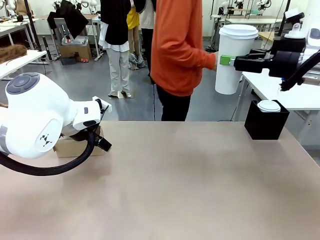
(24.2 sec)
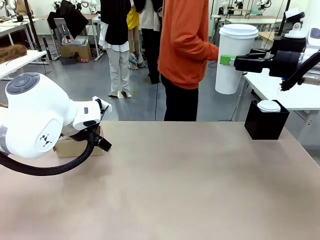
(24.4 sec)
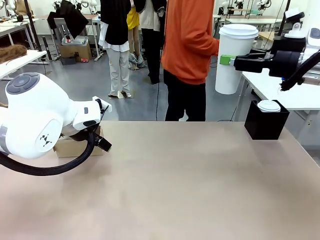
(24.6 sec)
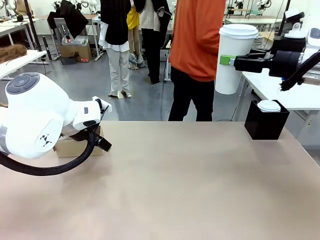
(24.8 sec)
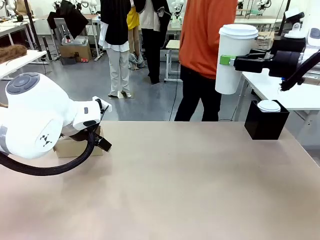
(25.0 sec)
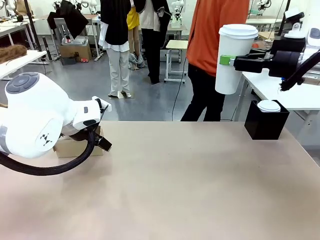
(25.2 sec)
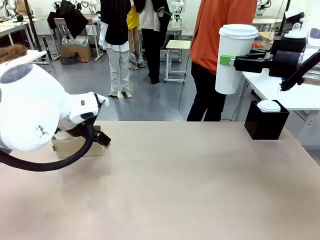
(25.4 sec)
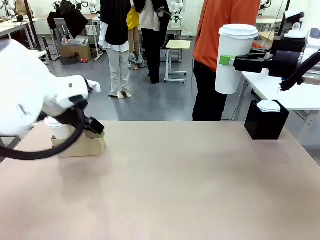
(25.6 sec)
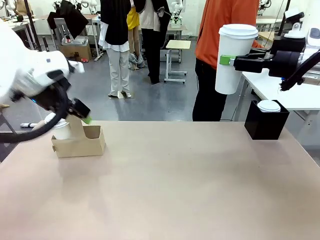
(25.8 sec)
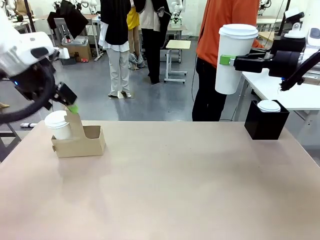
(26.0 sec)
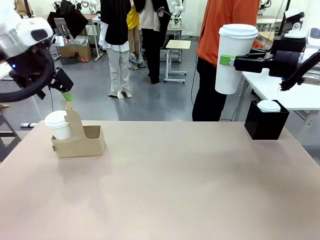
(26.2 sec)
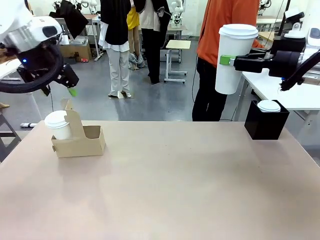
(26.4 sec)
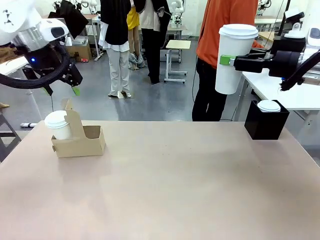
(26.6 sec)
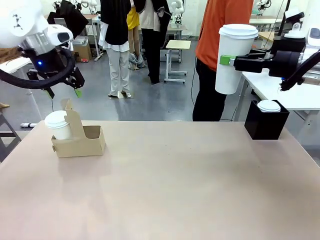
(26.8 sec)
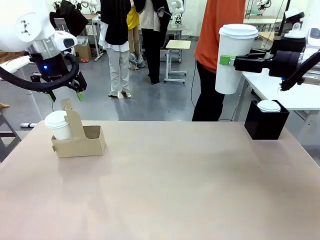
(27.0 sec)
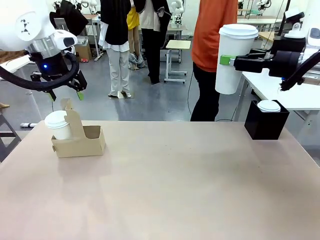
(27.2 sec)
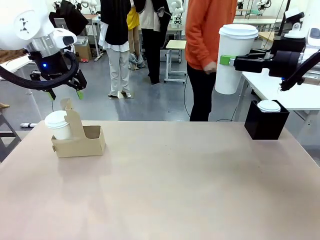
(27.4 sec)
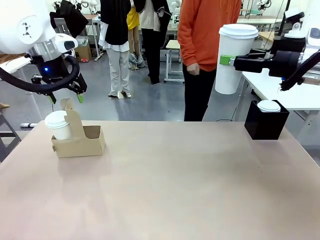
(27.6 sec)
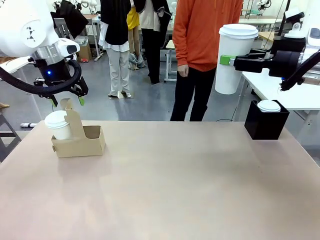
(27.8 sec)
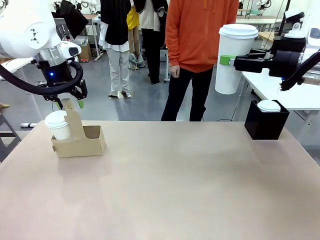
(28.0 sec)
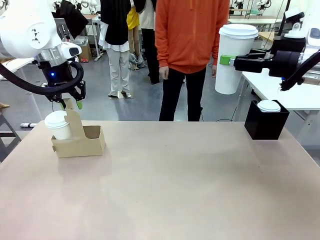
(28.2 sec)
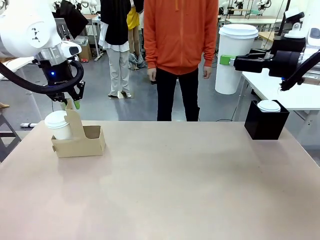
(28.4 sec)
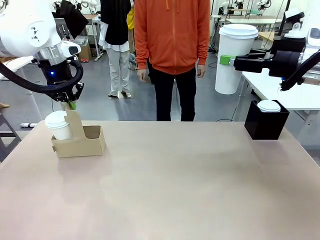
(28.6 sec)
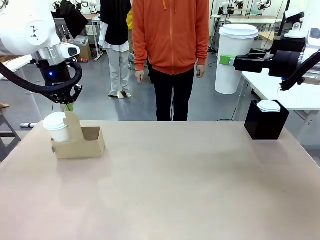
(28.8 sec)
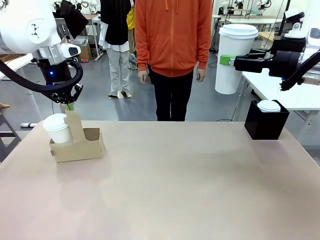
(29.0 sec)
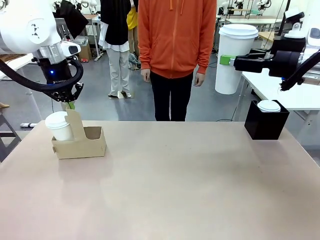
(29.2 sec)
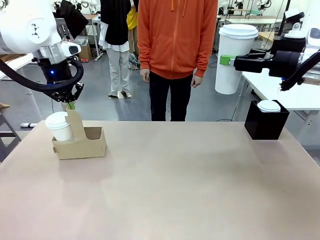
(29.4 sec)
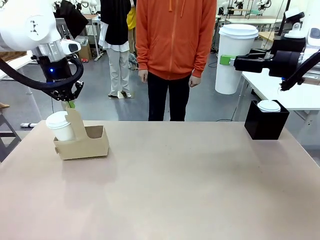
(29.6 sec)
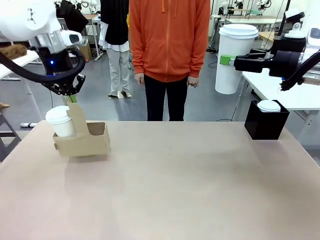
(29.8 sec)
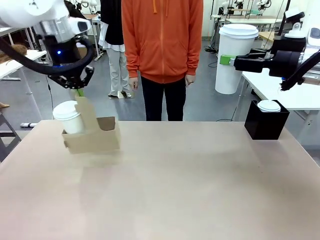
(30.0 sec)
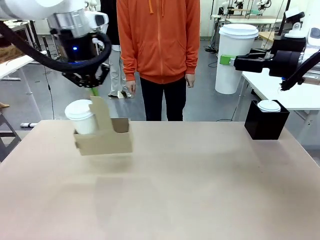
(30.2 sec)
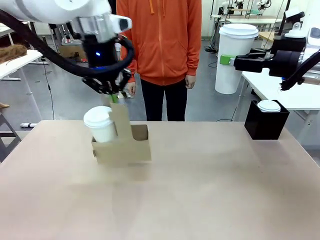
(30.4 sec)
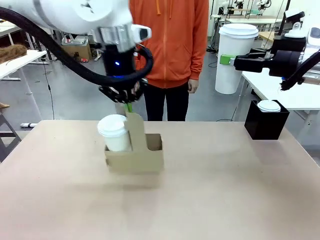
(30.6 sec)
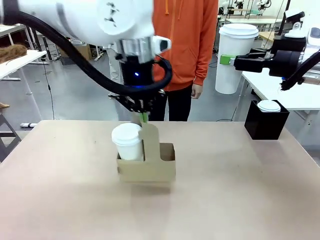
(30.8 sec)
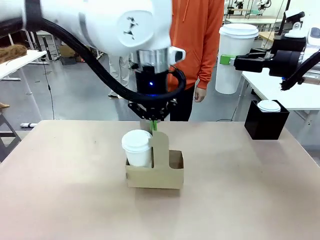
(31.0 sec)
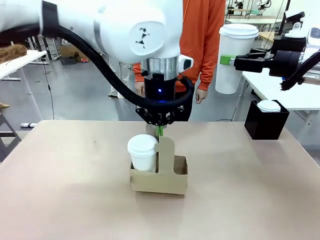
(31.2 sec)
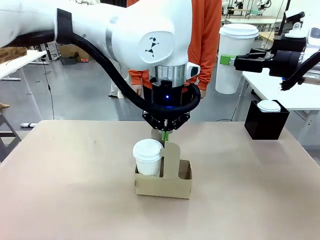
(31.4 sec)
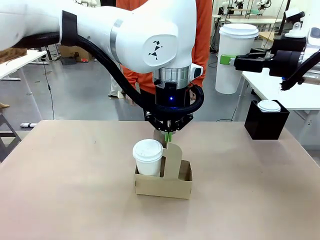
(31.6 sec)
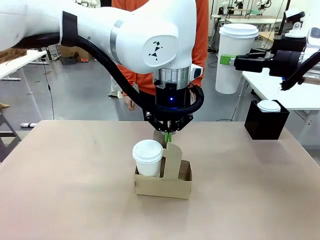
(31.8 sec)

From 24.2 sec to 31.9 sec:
Task: Pour a drink into a cup and package it in a carrier.
Robot: Position the Cup Carrier in the center of the table.
Person: Pick up the Filter Brewing and place on the middle of Human table, and return to the Robot table.

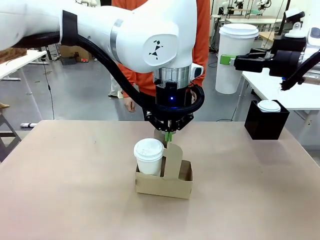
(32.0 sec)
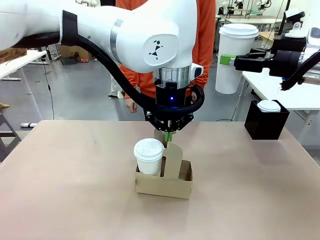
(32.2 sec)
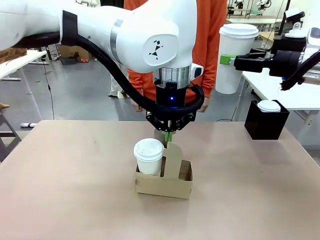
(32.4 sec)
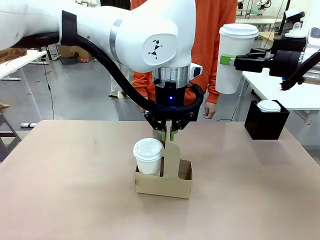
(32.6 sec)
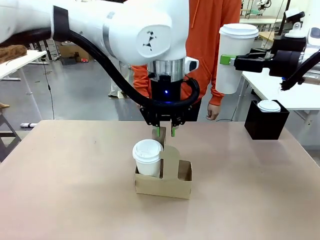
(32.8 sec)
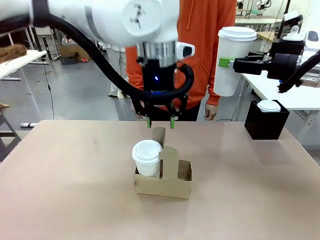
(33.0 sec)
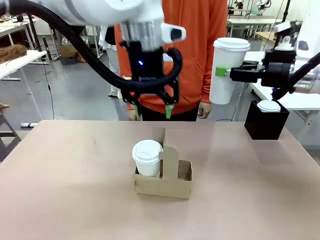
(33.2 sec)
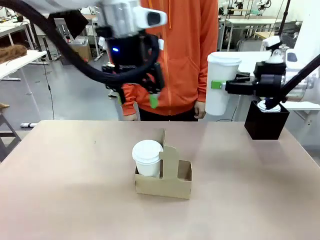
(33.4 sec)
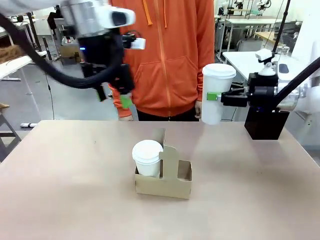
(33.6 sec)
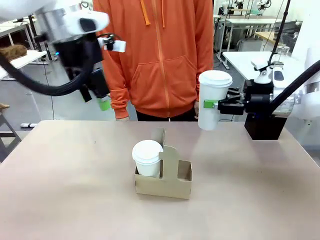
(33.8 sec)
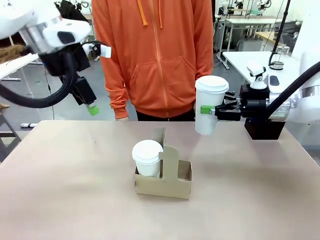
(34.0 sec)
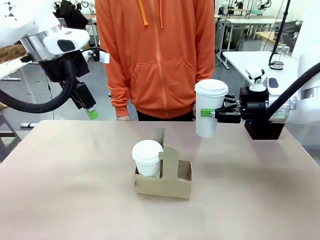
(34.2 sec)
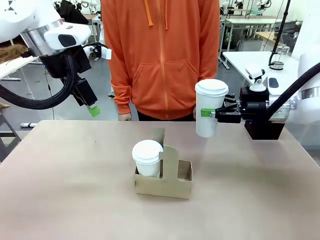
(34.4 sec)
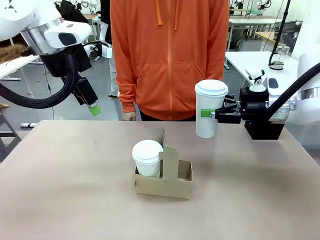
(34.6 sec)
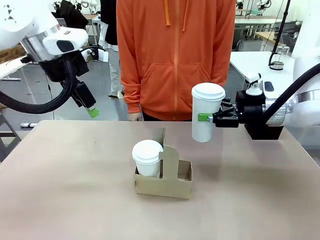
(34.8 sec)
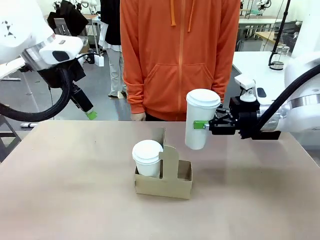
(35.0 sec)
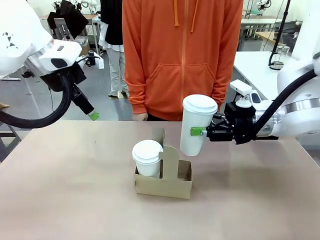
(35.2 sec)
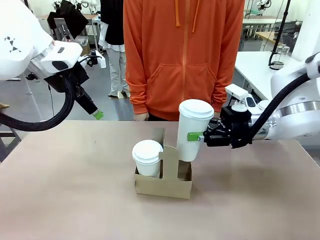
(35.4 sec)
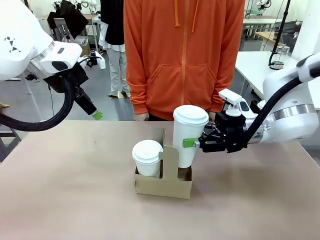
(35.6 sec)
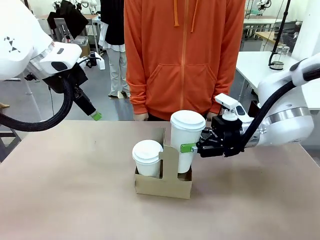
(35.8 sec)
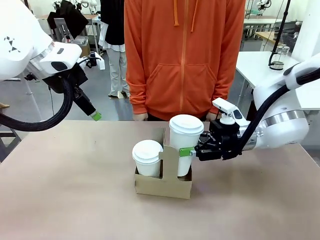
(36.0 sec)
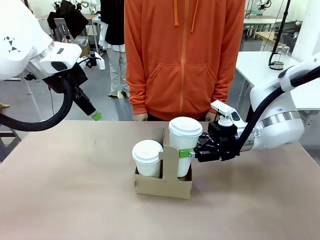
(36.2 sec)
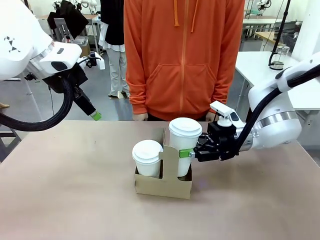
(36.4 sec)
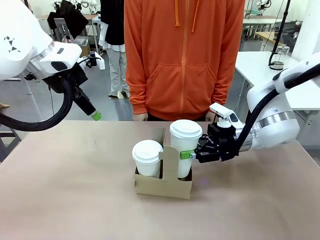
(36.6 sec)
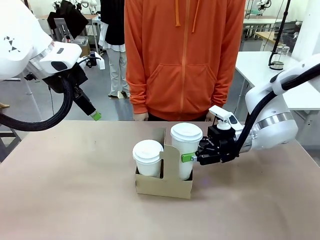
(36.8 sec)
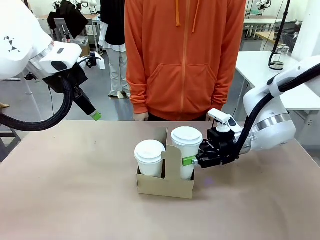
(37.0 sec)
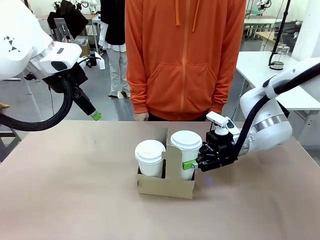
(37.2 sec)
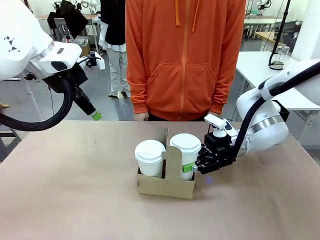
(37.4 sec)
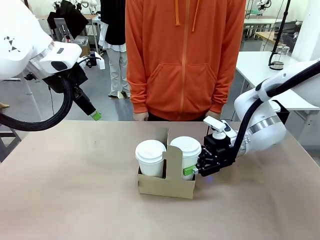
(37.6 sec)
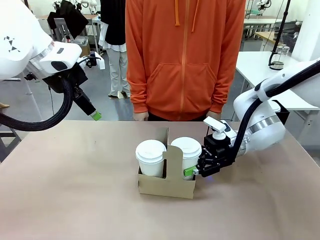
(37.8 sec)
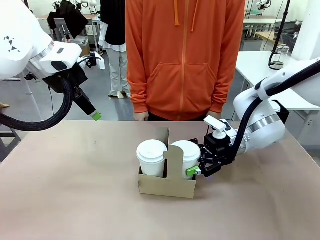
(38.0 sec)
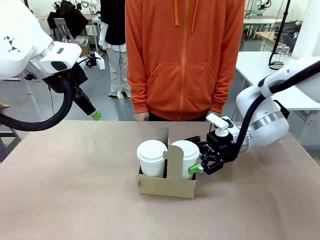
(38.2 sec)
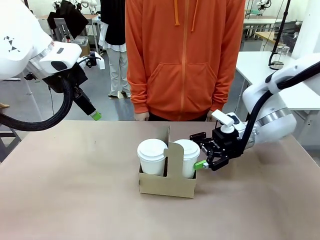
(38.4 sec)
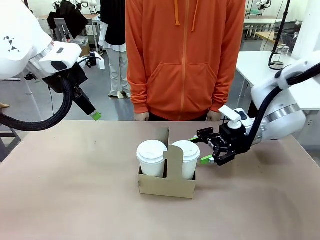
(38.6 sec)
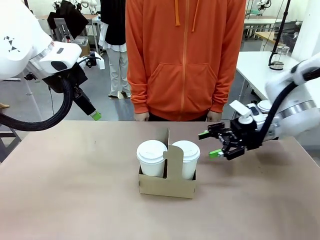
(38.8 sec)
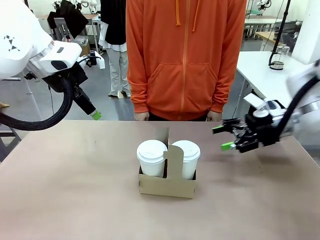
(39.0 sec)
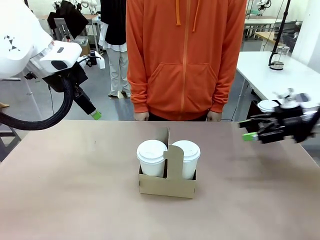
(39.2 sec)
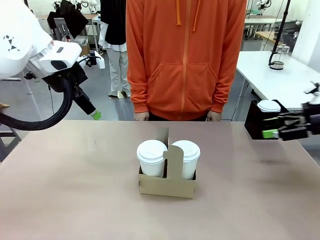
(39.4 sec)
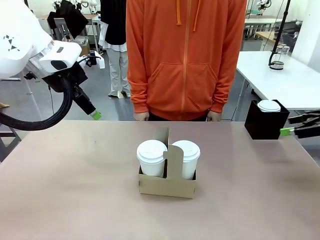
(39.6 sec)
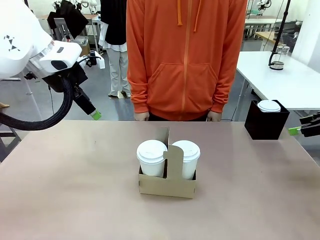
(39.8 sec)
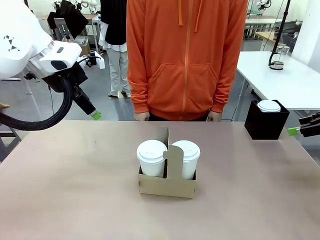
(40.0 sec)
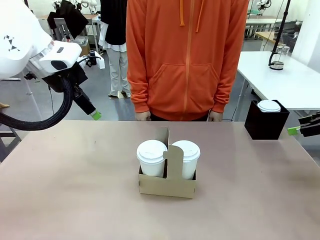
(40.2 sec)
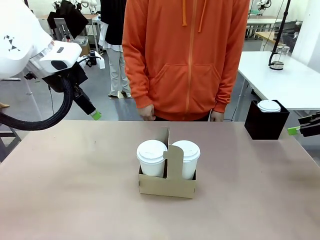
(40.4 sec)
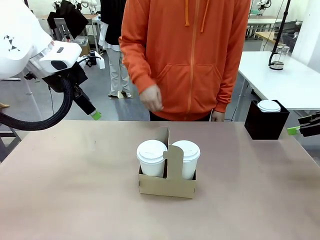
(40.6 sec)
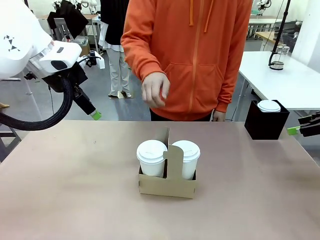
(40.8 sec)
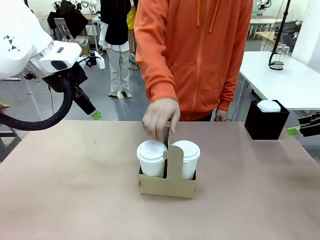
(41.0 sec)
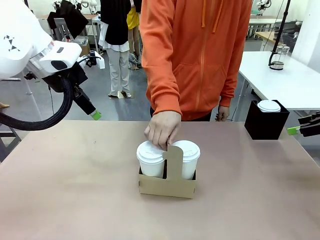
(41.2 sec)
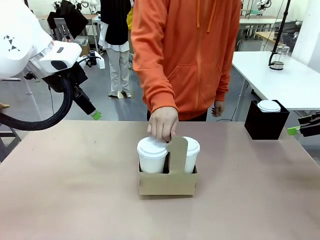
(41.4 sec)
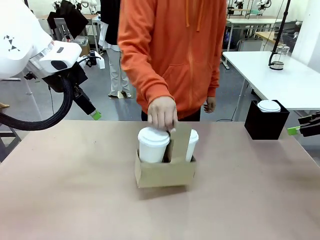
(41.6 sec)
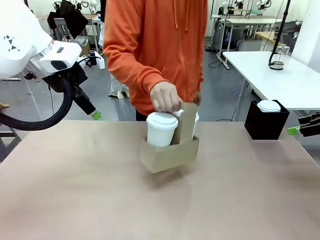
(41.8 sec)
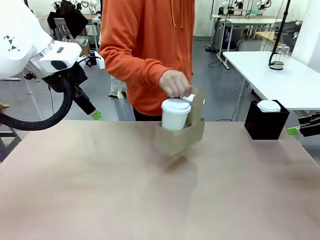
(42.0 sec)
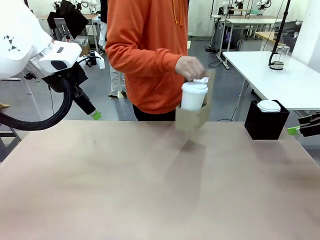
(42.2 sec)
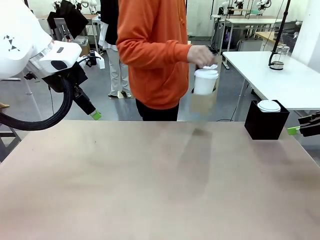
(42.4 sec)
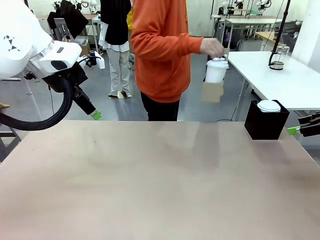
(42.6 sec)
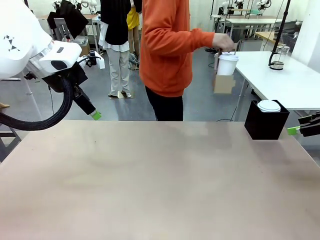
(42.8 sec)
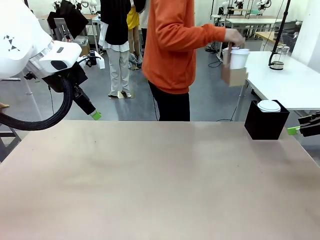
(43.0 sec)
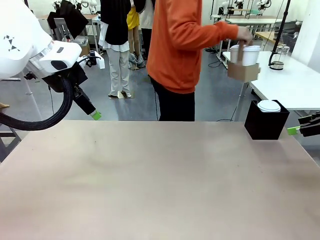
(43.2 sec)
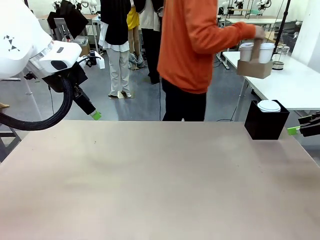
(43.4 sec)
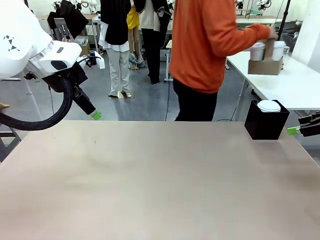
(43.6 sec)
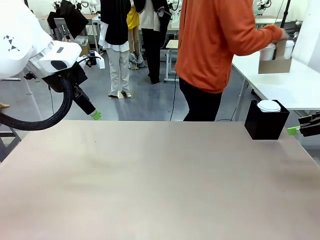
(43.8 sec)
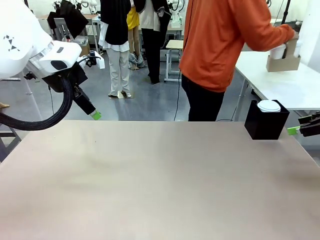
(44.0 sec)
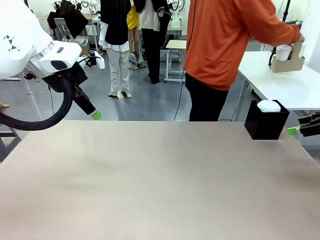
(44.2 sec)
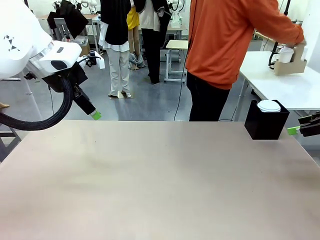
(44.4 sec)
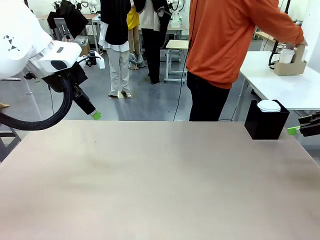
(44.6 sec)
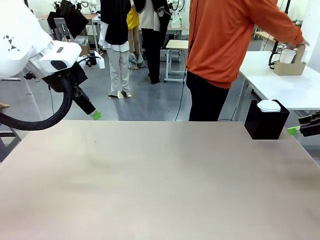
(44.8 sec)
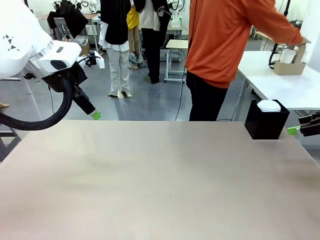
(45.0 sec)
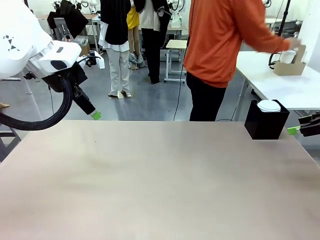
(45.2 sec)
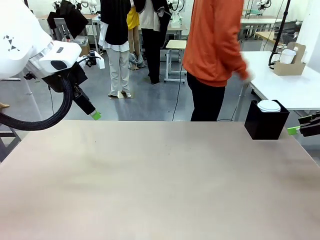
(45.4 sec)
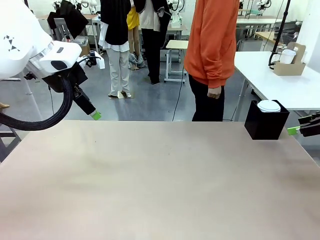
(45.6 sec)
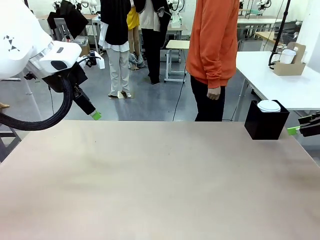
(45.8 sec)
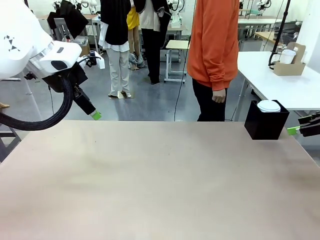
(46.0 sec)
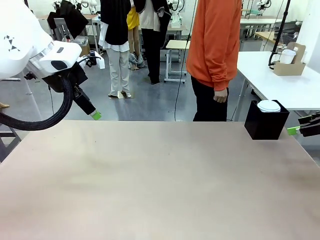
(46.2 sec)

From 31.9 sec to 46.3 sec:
Robot: Insert the held 600 ml Paper Cup into the Cup Carrier.
Person: Place the Cup Carrier to the middle of Human table.
